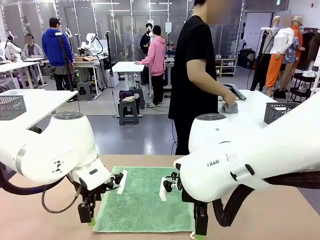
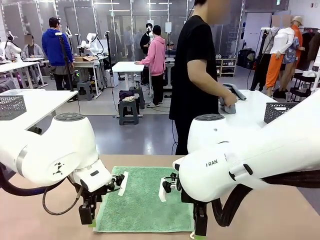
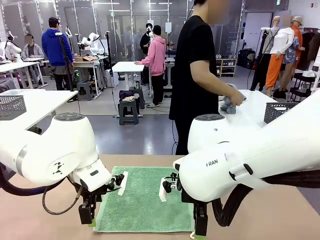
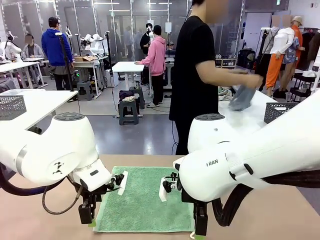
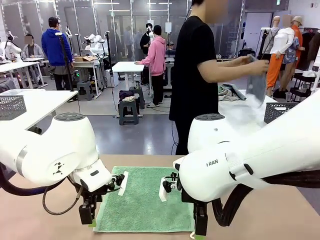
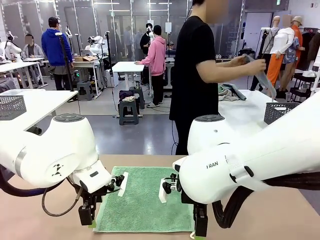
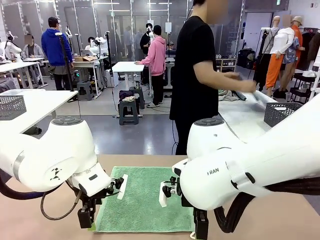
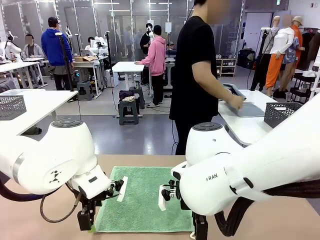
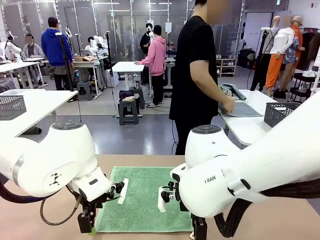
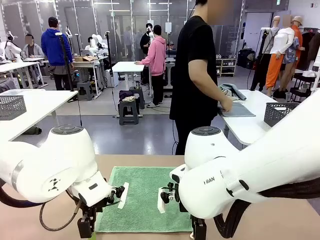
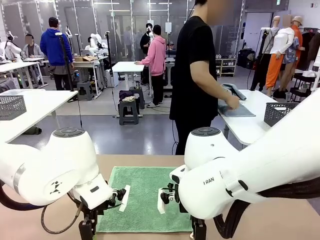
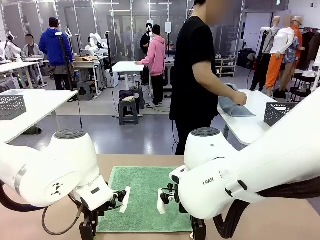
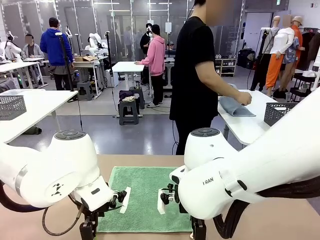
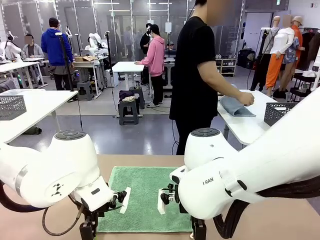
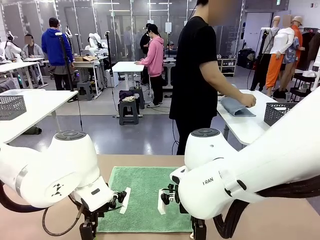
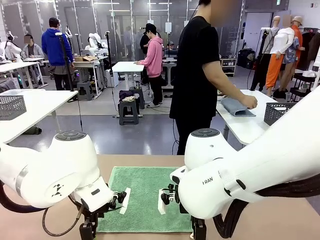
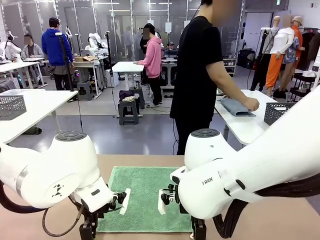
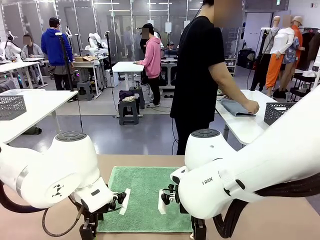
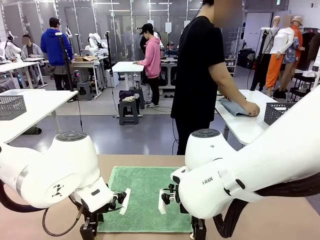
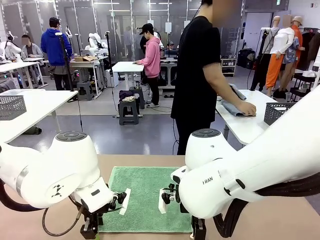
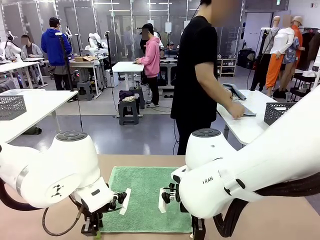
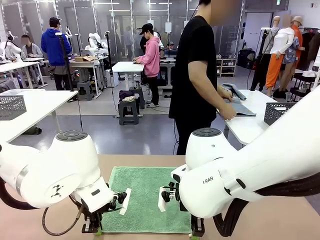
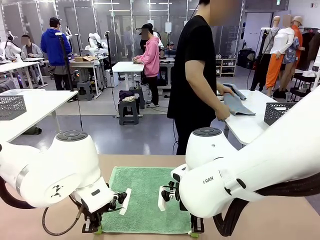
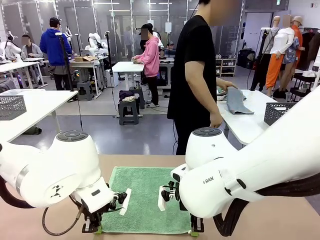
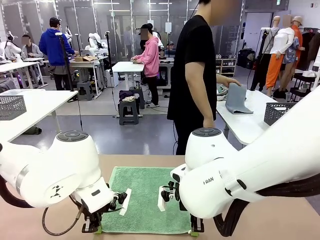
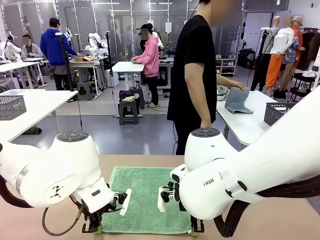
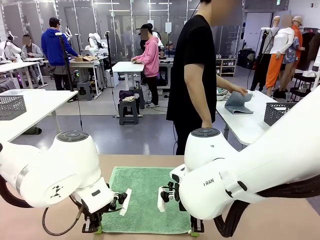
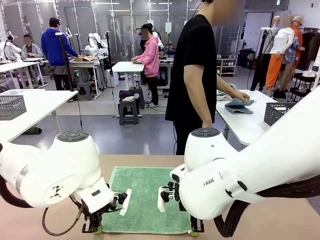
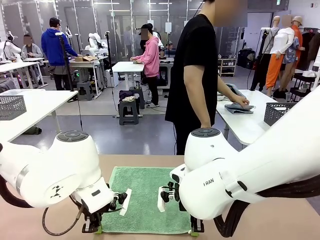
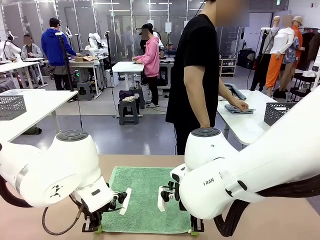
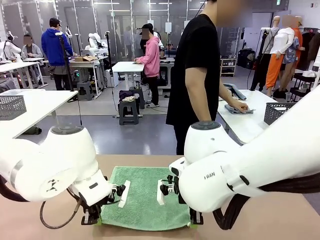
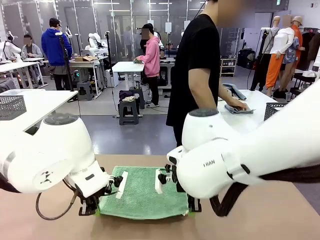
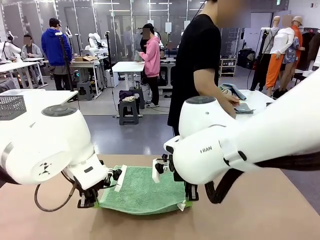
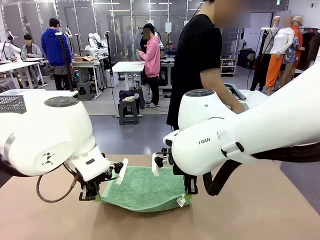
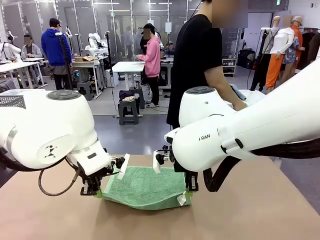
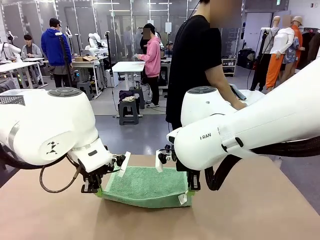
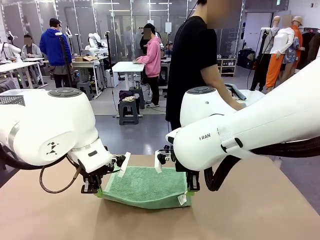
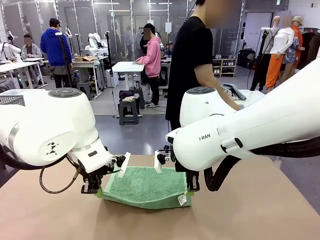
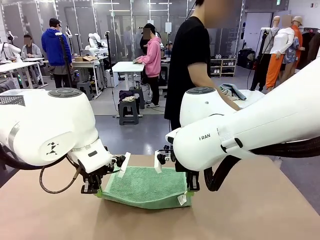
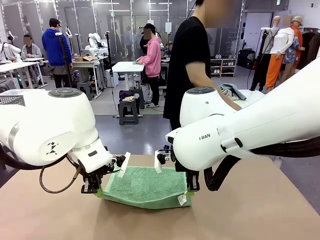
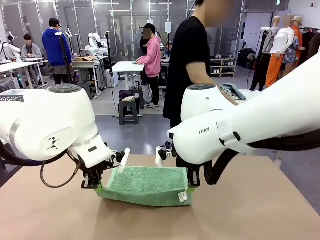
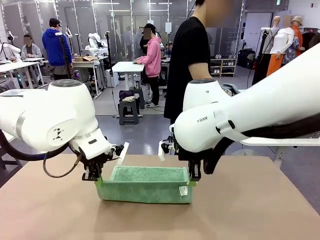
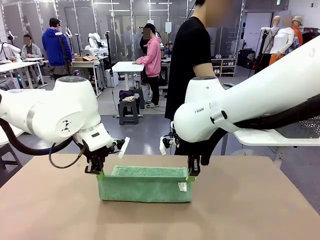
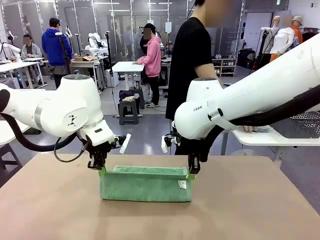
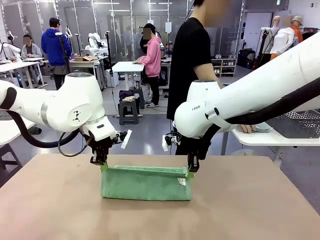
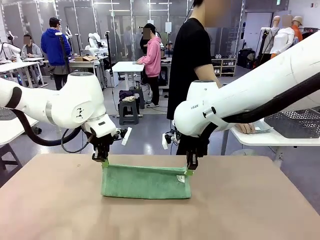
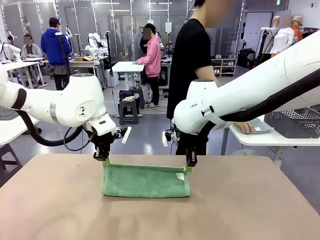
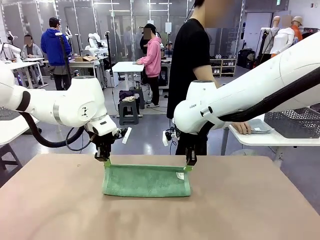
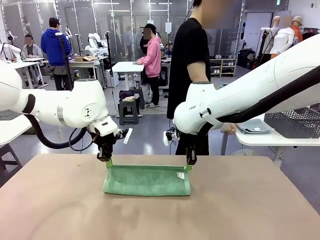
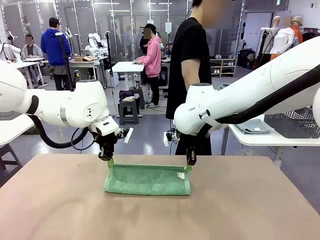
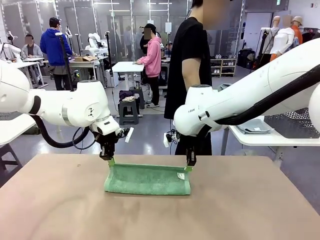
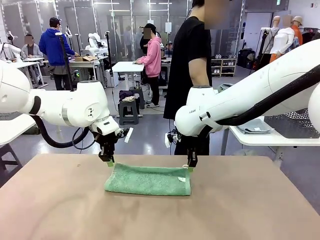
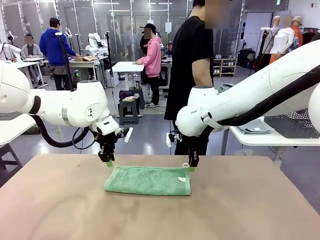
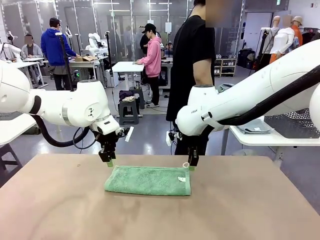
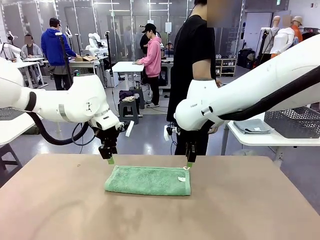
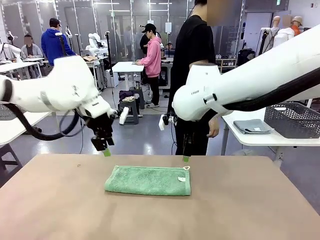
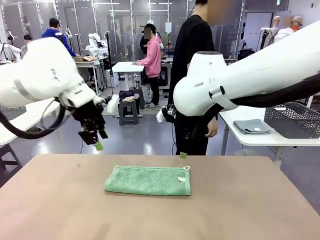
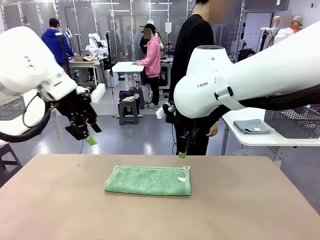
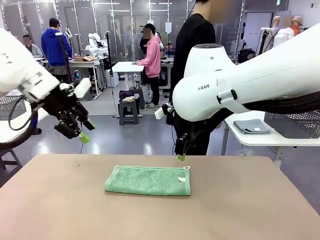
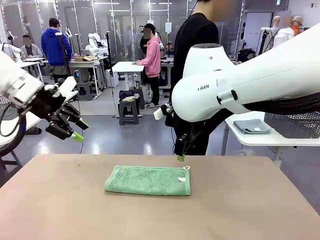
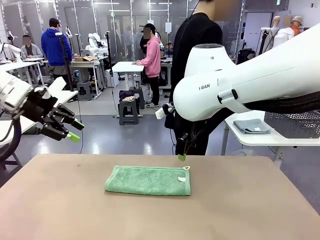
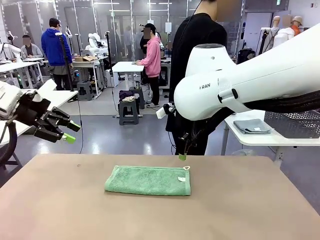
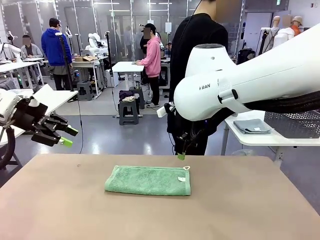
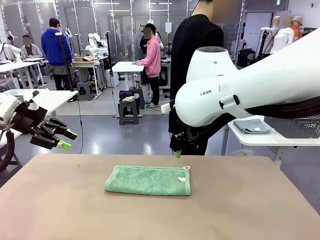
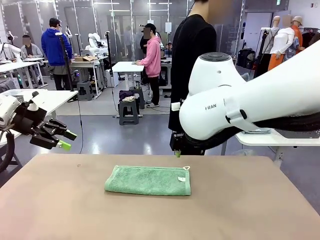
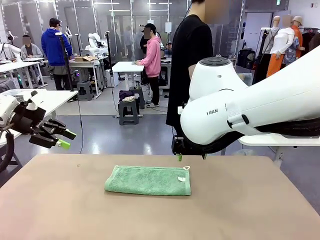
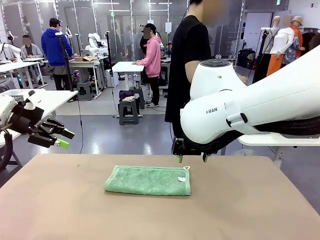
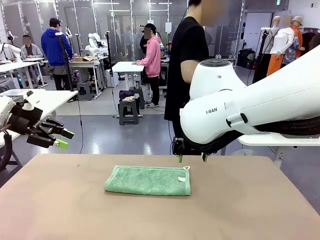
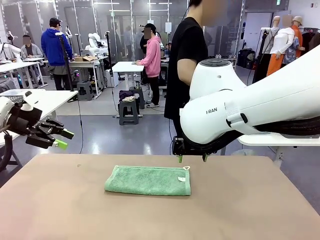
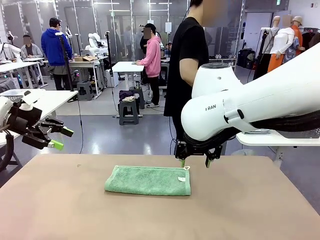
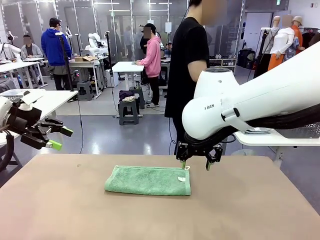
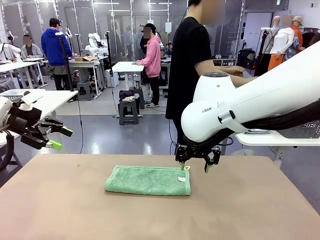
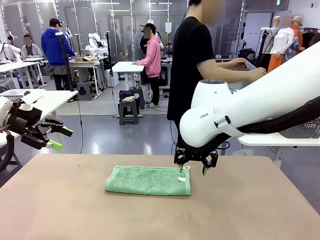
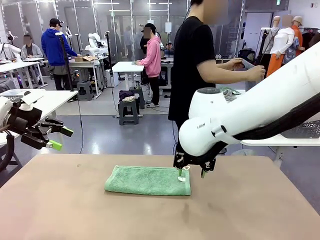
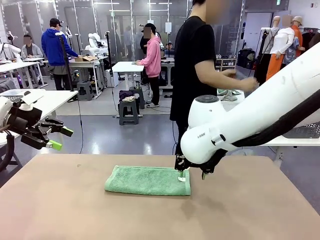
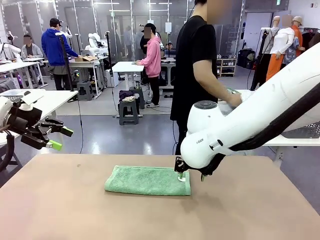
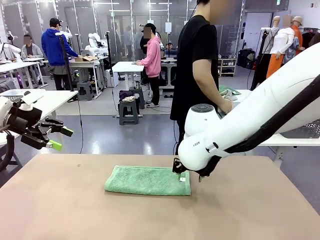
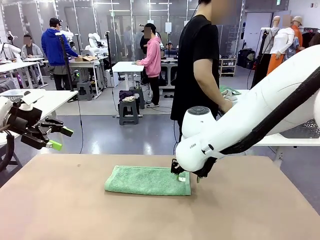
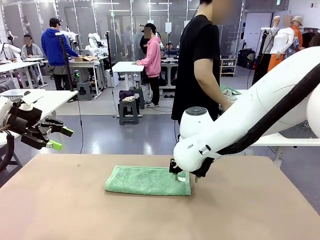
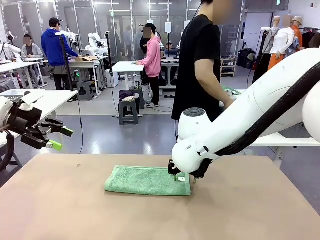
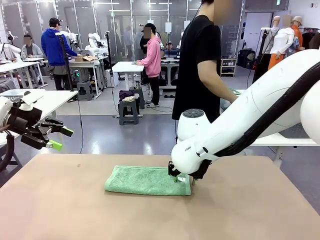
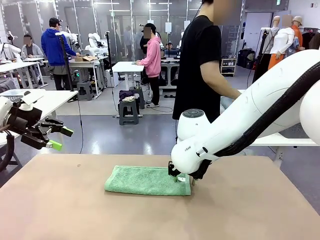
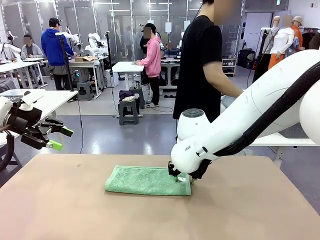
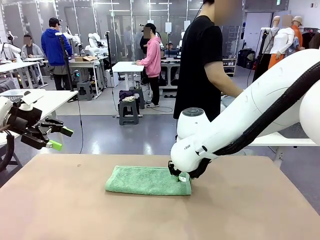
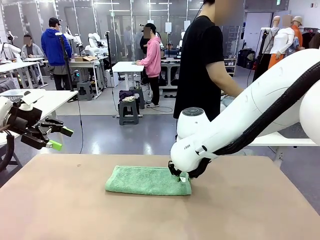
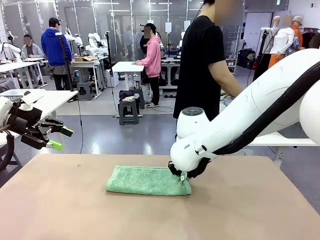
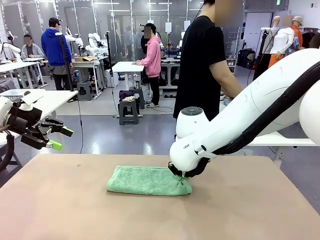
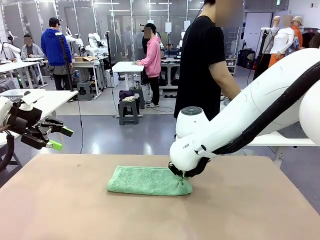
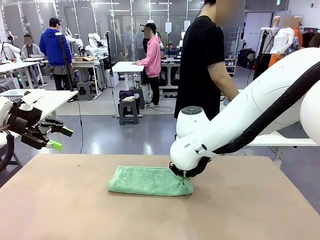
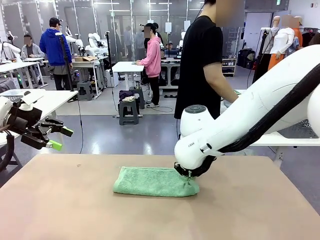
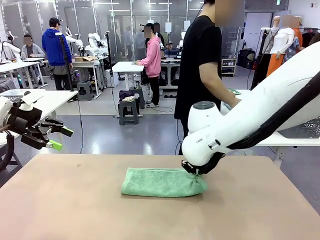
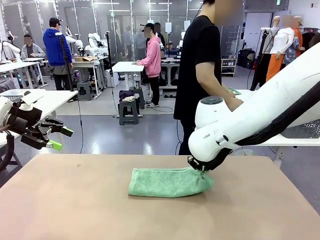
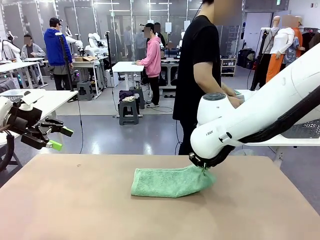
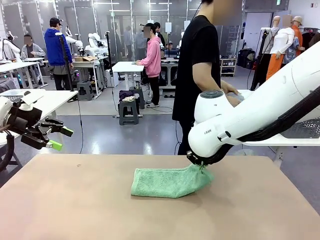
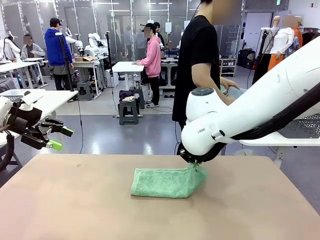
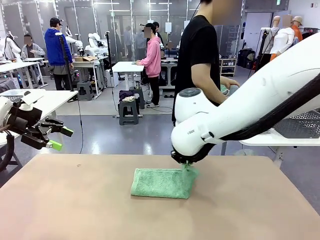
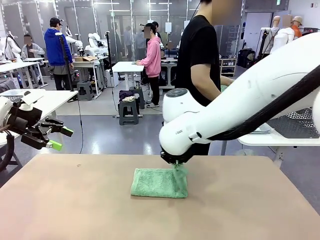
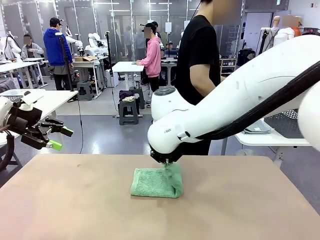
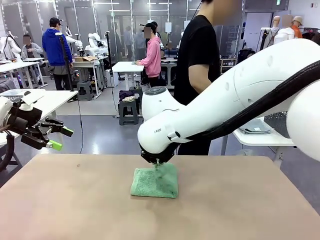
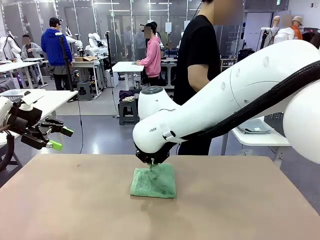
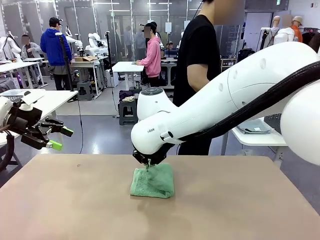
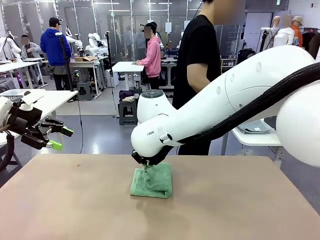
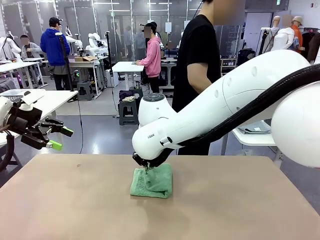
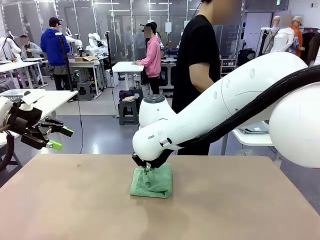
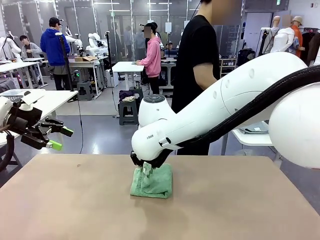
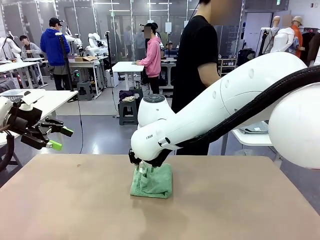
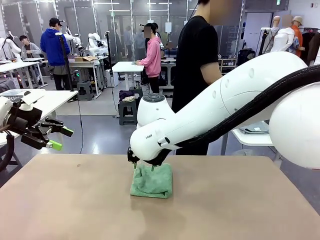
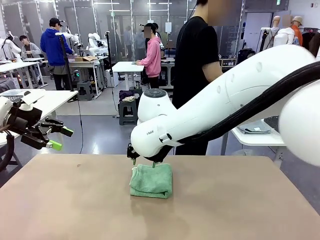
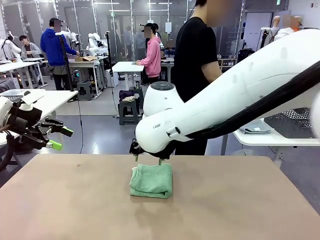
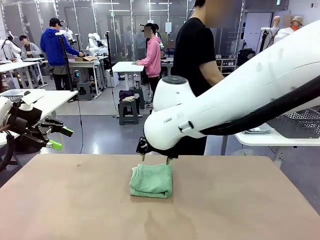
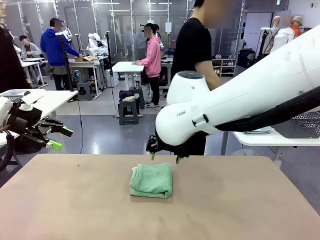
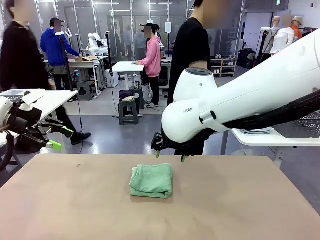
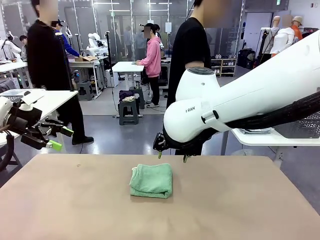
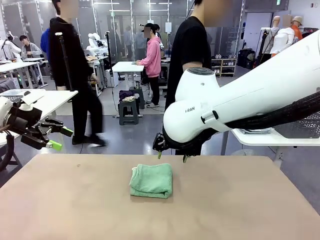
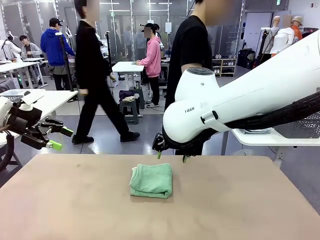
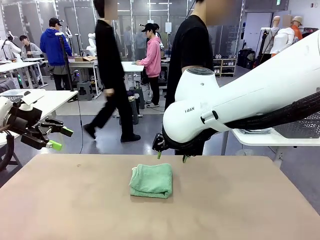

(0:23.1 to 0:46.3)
Task: Fold the towels and place them in the basket.
Robot: When a person lays out a Towel with hook on the table, fold it in half twice.
Person: Pick up one towel from the left side of the human table, fold it in half twice, and place it on the right side of the table. Pick up one towel from the left side of the human table, fold it in half twice, and stack it on the right side of the table.
